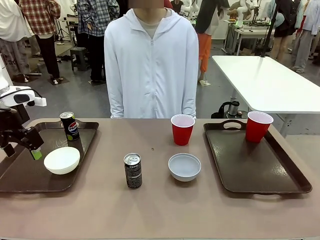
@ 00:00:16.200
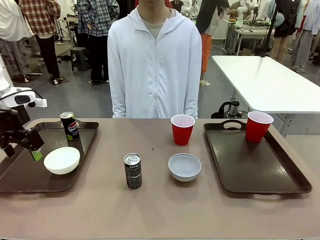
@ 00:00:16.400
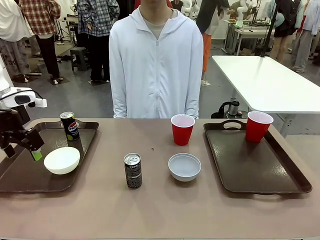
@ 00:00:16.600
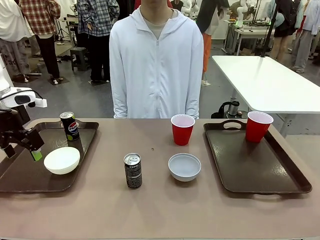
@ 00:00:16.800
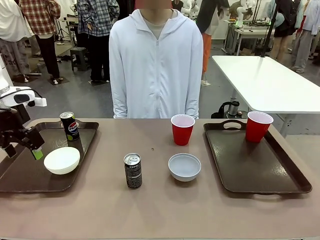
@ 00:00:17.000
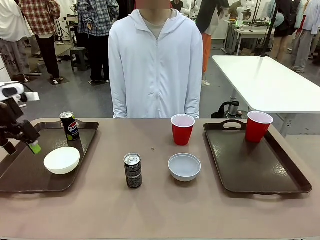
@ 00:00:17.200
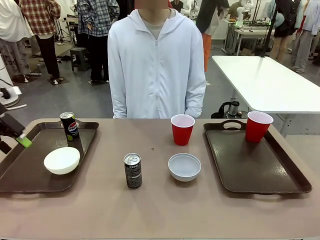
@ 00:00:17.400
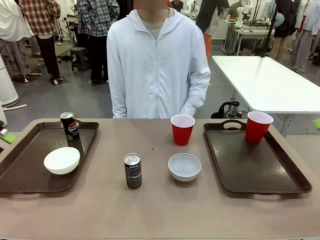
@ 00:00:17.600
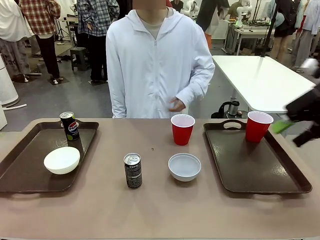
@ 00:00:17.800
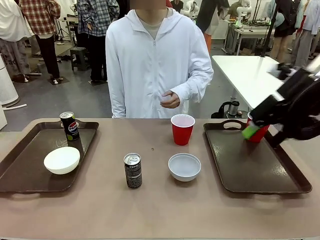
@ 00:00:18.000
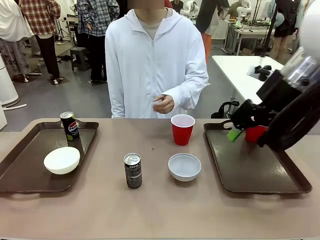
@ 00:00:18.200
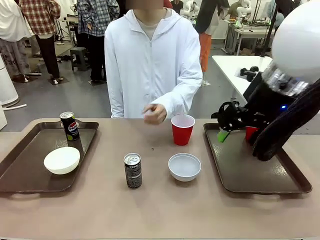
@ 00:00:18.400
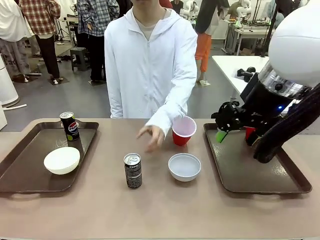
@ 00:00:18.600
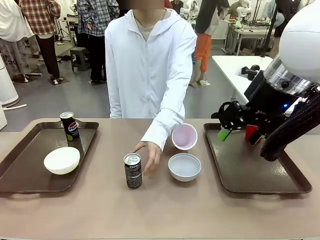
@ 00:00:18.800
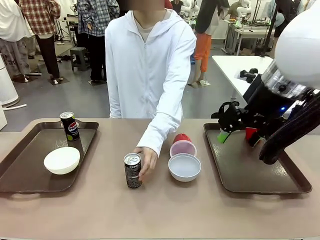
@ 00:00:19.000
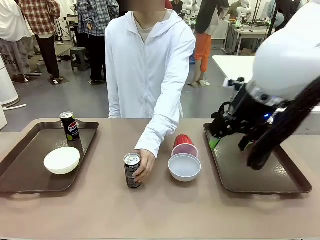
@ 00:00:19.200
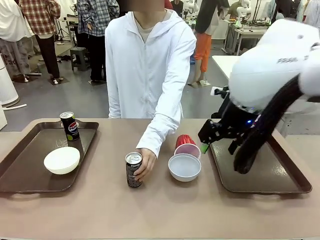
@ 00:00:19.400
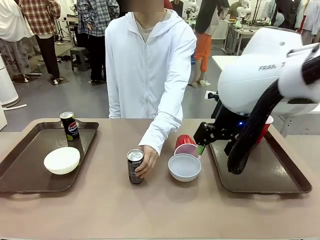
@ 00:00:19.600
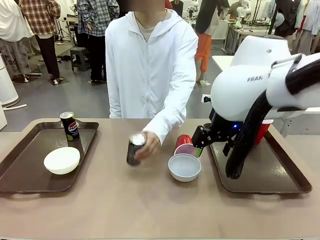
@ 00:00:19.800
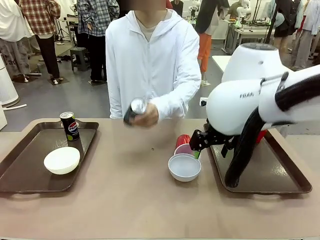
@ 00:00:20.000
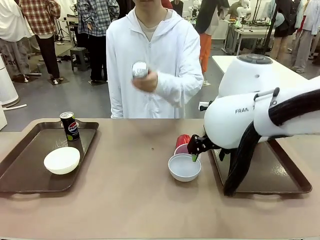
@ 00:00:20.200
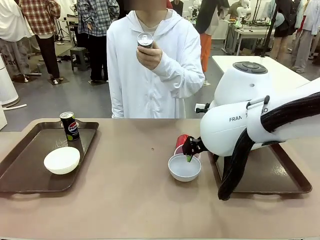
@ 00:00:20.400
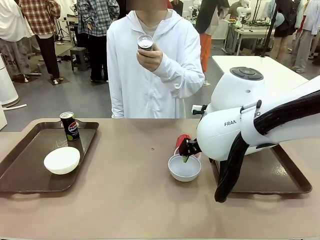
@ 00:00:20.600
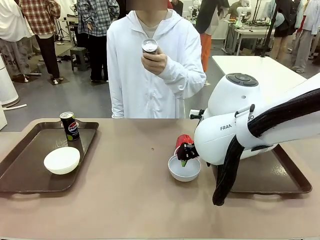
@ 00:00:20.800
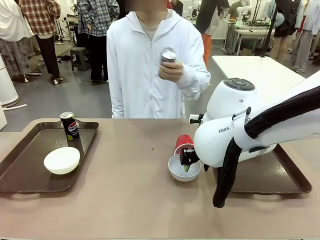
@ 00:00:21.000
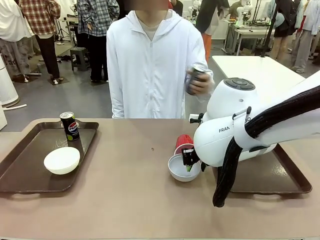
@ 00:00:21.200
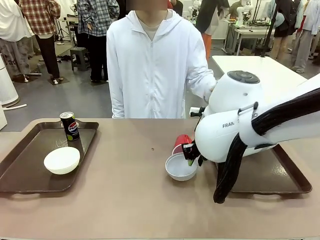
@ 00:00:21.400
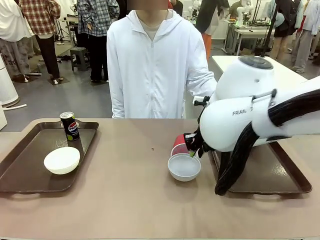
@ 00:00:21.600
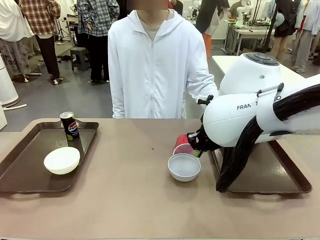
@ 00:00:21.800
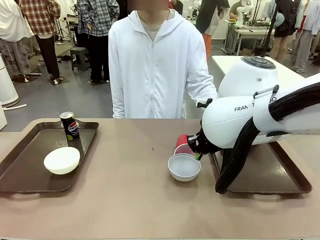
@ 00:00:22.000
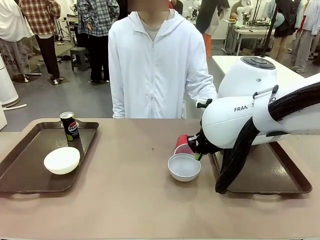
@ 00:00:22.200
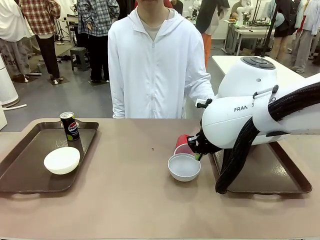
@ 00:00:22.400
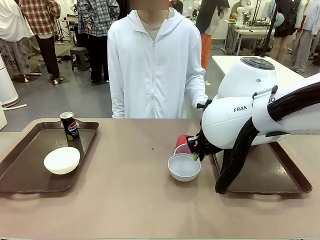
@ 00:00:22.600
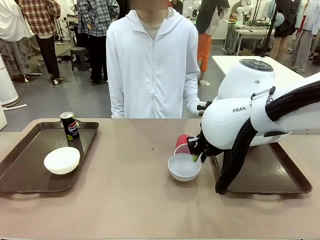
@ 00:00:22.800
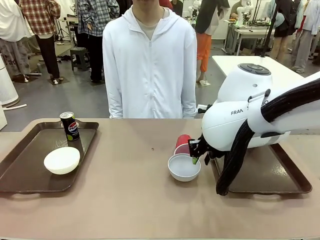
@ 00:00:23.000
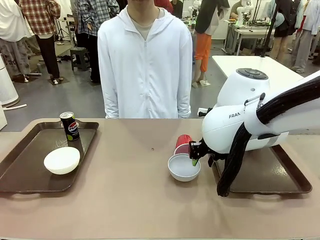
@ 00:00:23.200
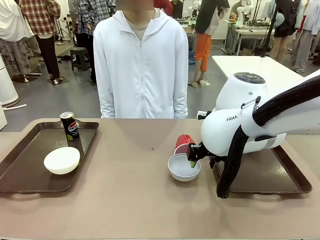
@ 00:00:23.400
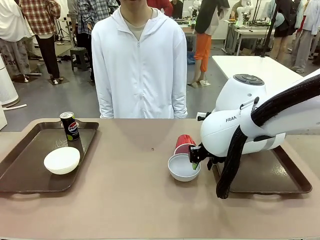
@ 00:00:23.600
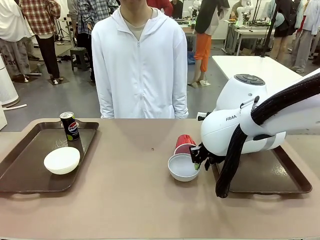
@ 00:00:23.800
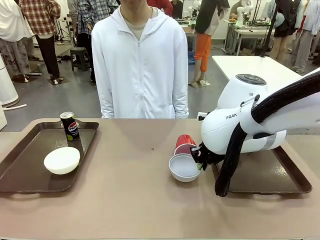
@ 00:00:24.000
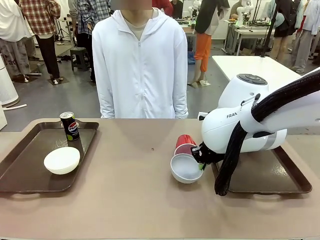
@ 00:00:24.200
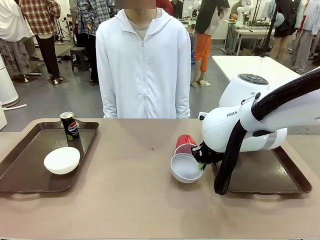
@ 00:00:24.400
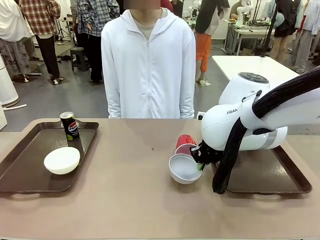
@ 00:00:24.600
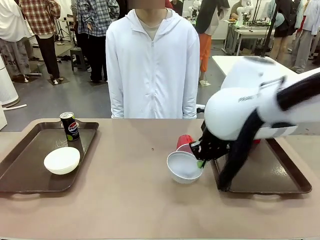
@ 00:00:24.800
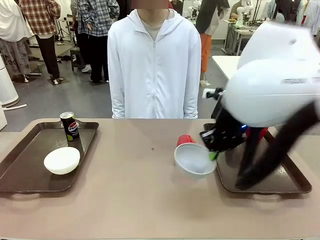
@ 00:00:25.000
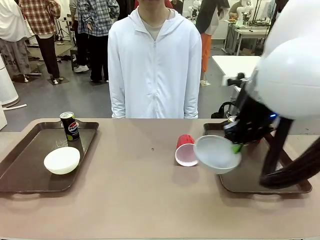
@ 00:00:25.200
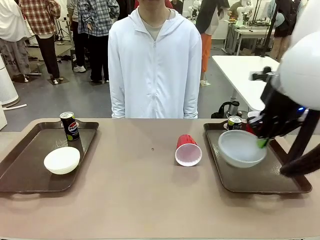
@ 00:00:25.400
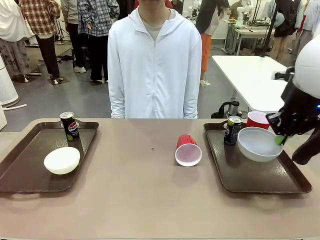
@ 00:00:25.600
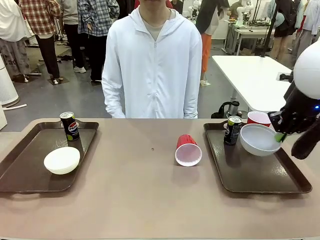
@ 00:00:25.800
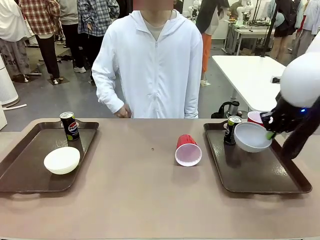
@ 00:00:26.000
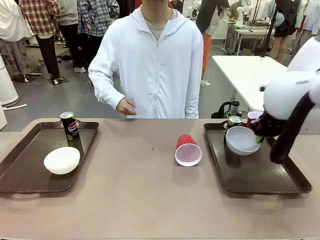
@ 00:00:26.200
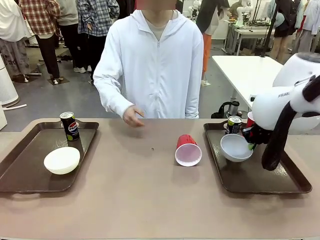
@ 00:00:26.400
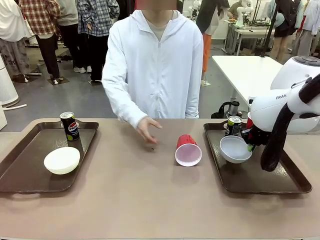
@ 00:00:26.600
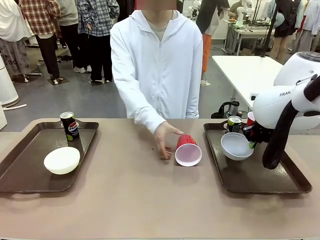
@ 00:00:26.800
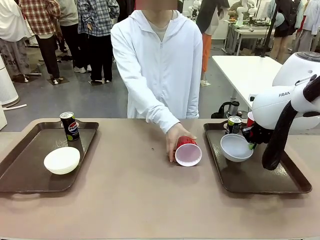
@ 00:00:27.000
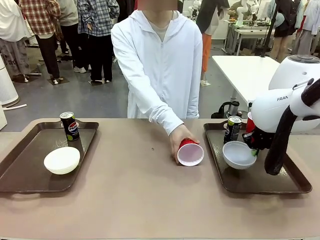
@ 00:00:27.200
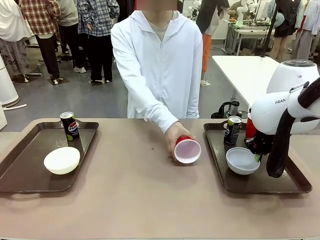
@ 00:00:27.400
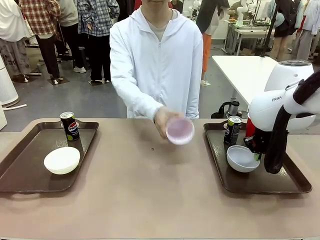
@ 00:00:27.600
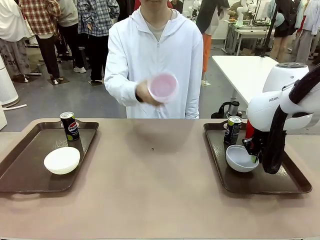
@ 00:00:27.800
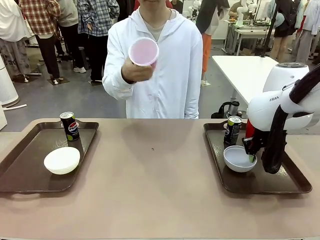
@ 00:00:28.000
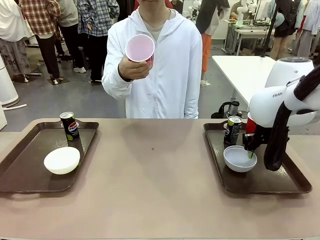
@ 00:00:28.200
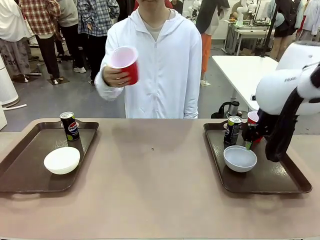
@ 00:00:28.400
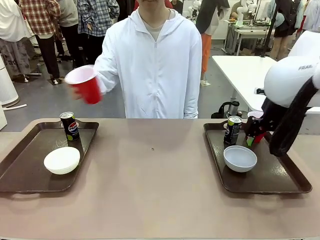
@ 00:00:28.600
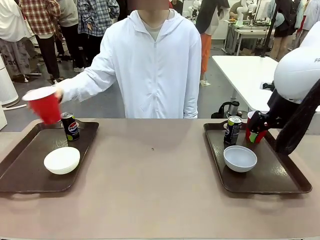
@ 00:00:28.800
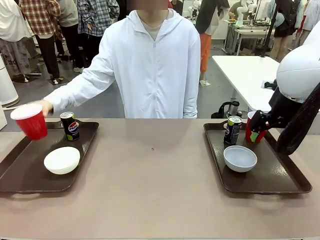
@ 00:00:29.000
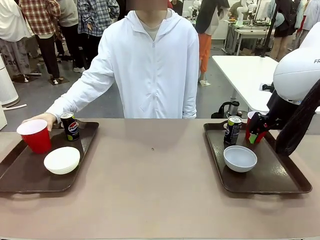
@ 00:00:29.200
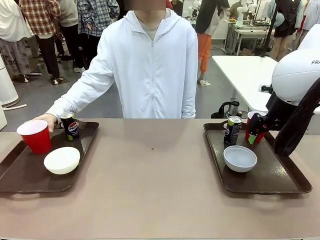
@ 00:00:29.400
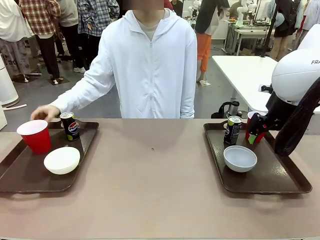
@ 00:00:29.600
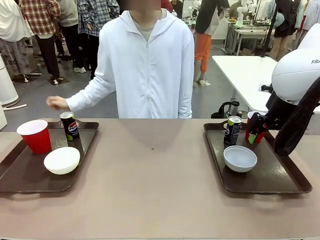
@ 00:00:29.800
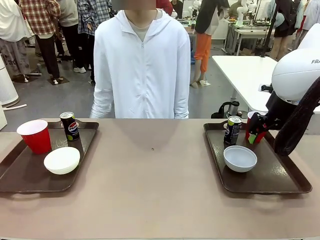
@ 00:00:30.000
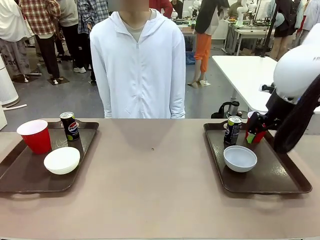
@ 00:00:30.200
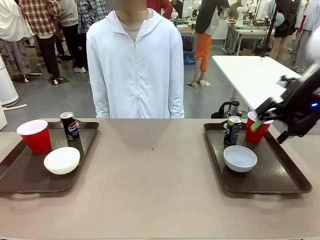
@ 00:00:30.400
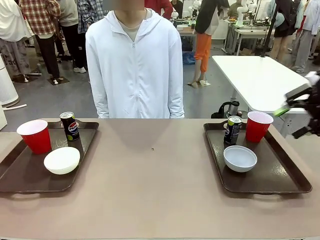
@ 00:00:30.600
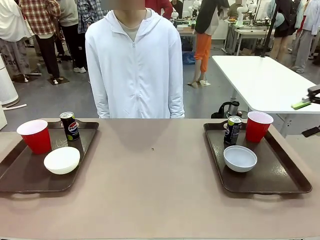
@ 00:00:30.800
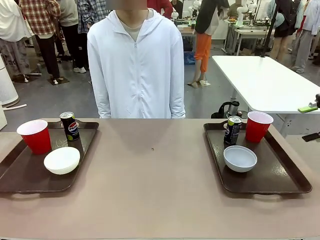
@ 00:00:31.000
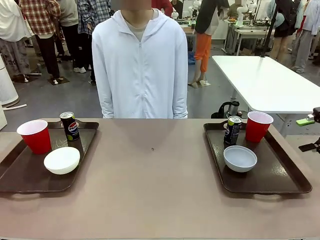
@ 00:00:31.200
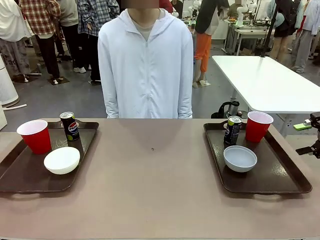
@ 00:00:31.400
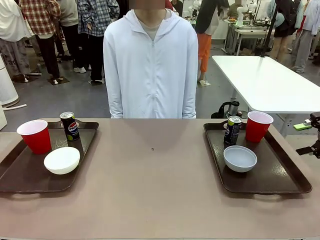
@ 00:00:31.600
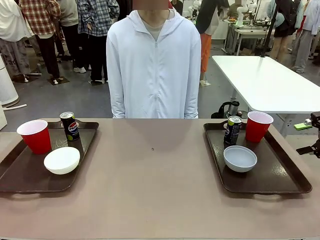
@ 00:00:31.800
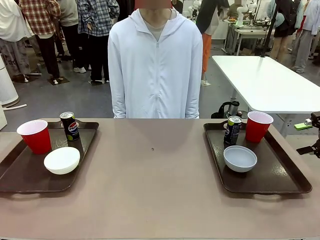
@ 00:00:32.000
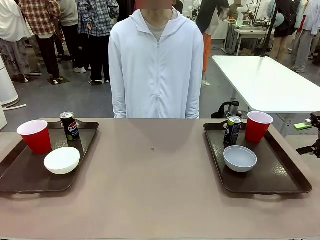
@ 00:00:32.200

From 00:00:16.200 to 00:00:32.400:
Task: Prepare tableware on both trays.
Robot: Pick up a Picnic Bowl from the table and place it on a Handle tray.
Person: Pick up a can or cup and place it on the tray without a can or cup.
